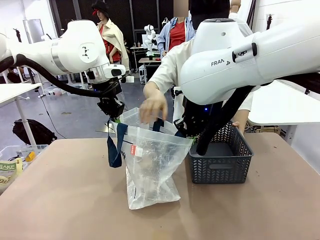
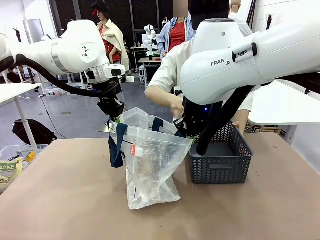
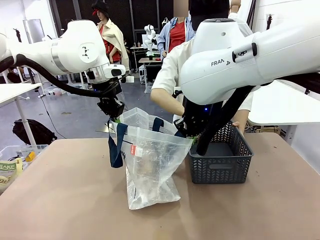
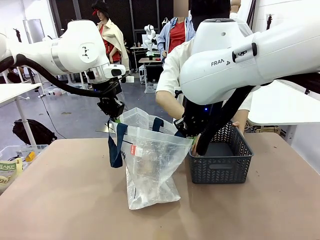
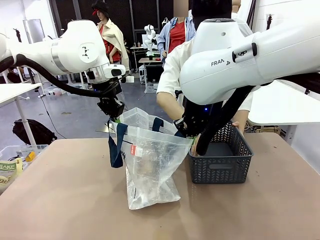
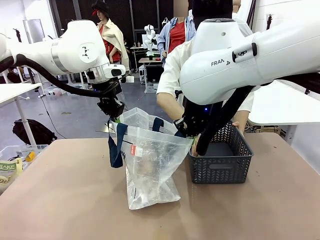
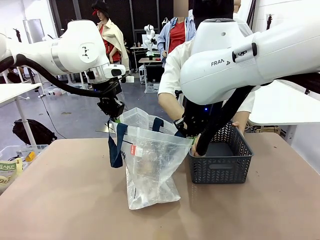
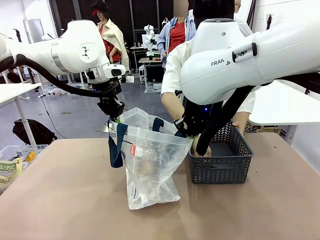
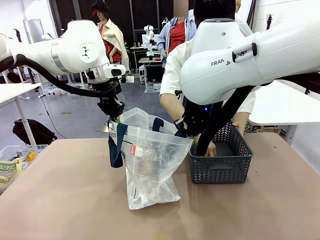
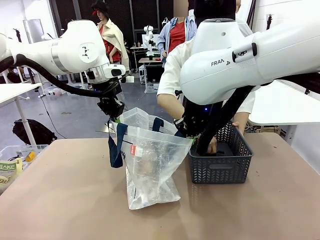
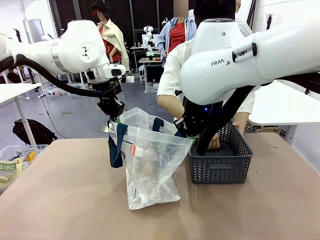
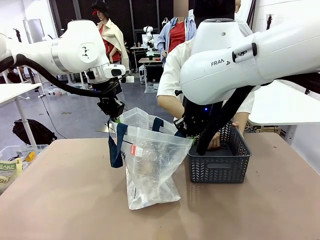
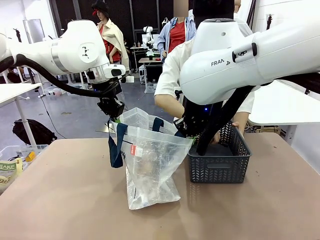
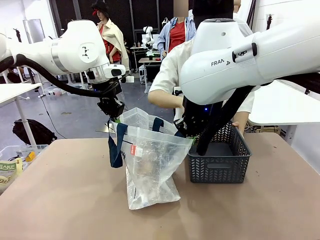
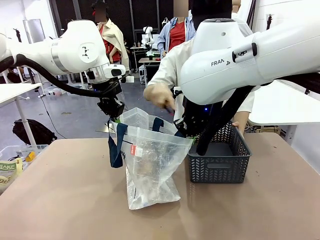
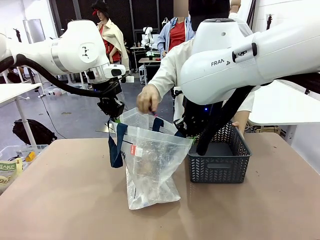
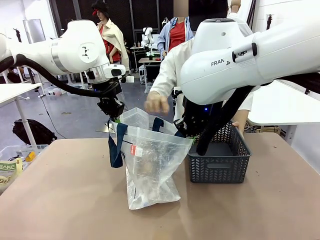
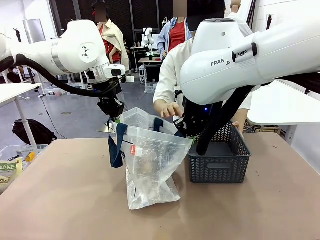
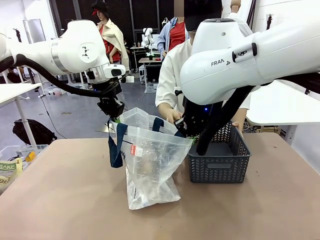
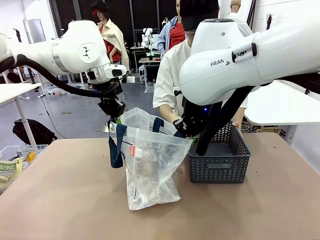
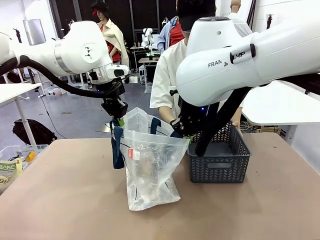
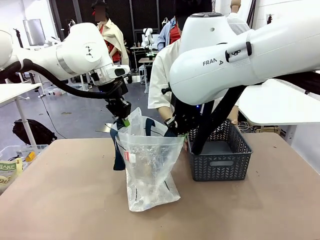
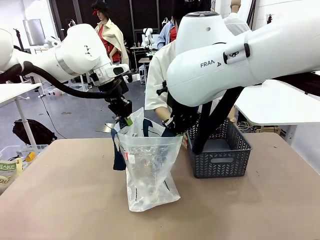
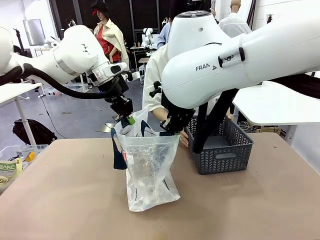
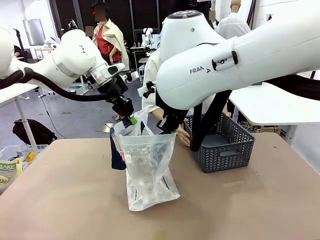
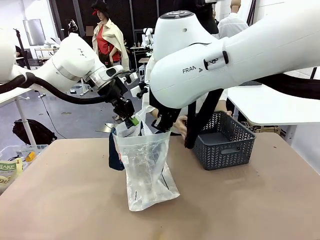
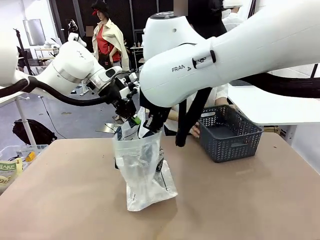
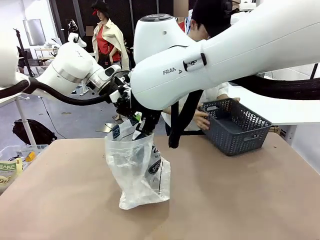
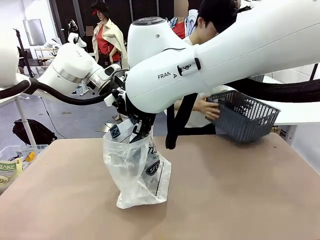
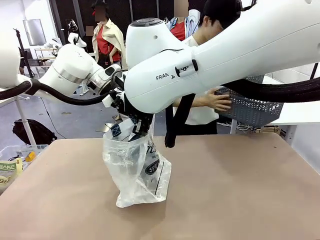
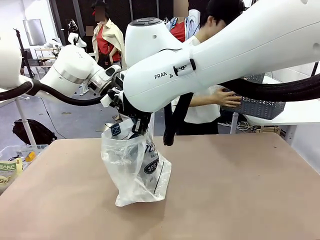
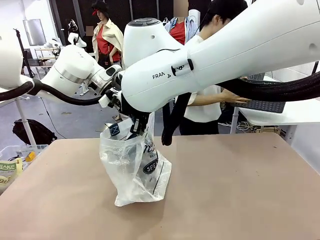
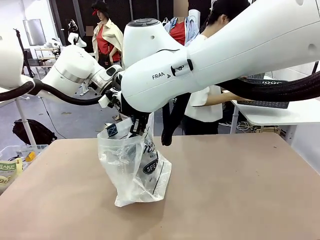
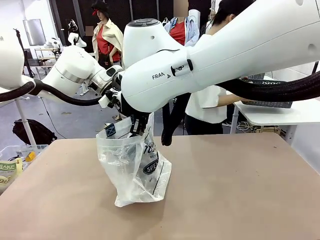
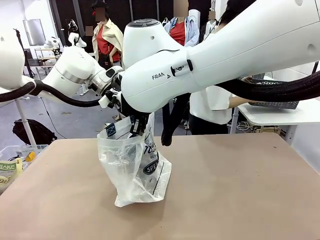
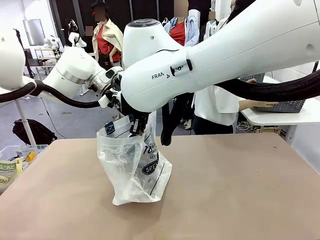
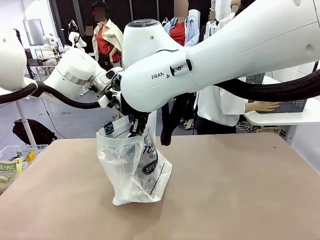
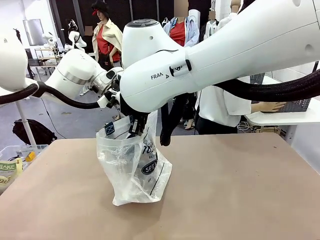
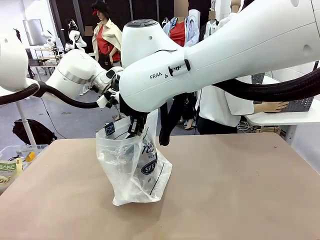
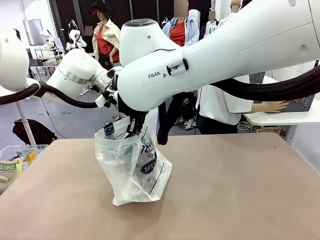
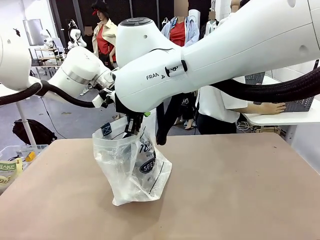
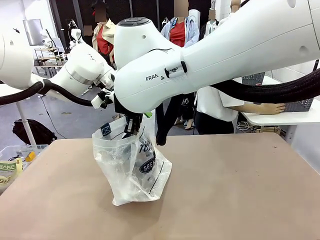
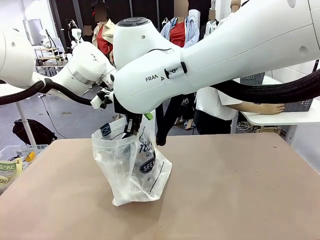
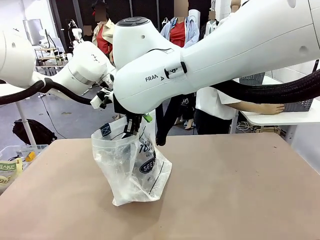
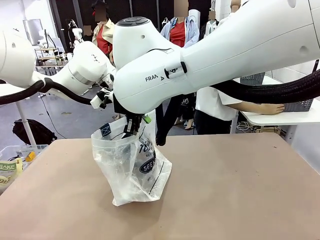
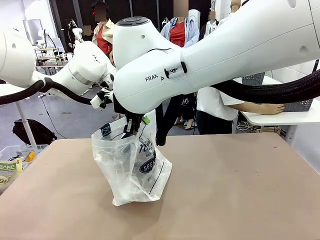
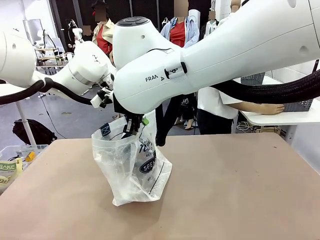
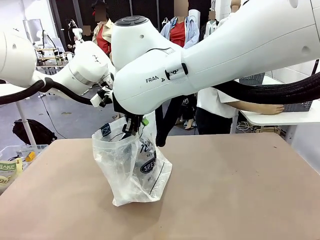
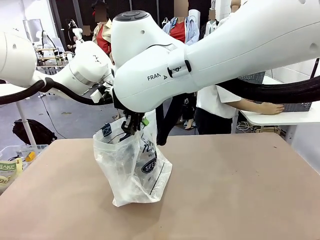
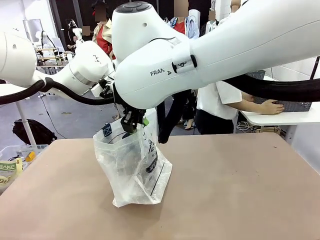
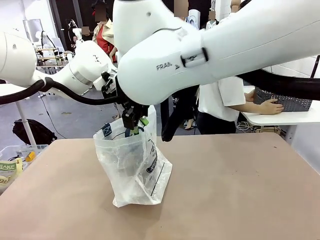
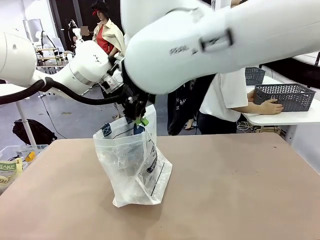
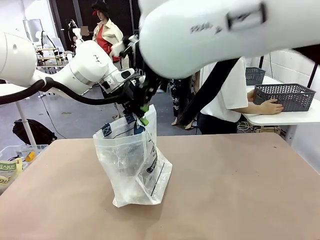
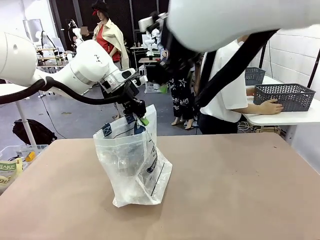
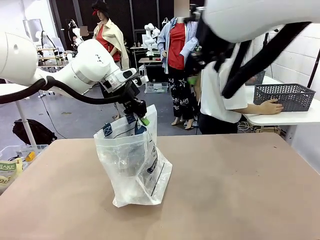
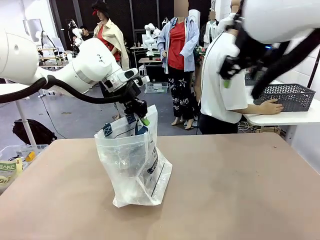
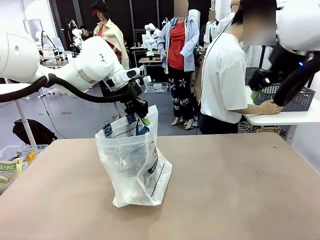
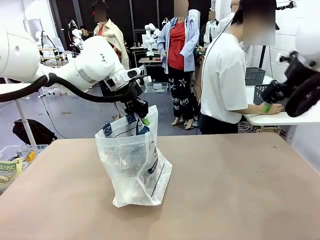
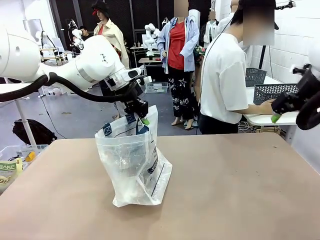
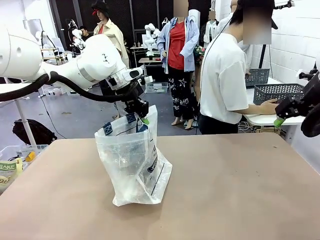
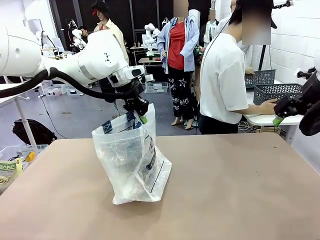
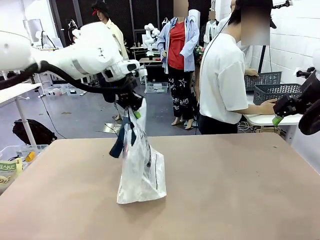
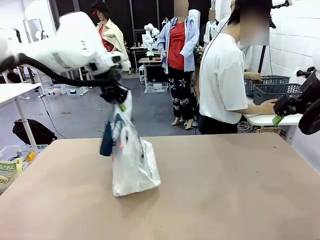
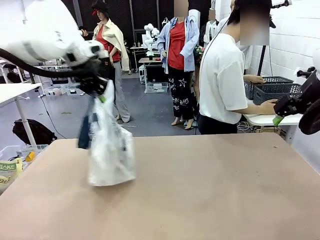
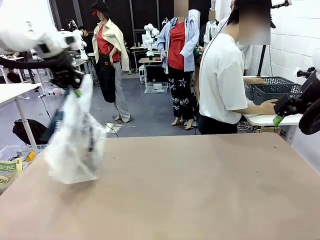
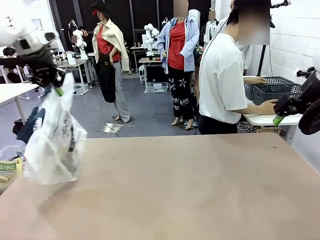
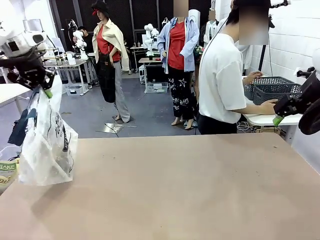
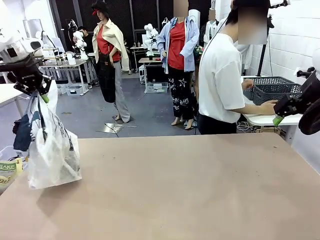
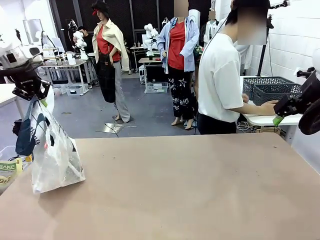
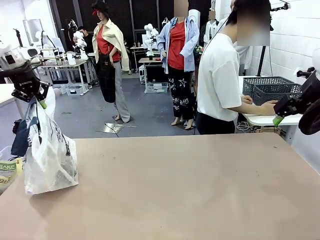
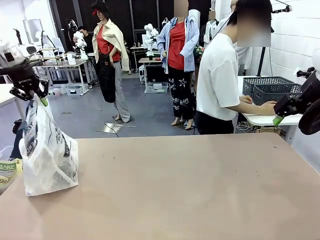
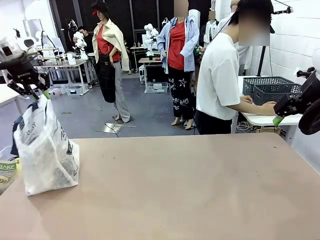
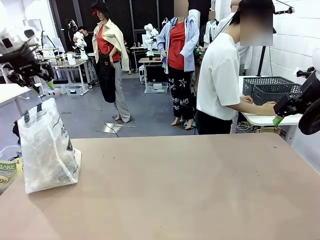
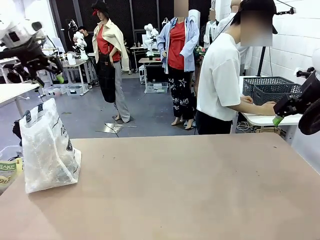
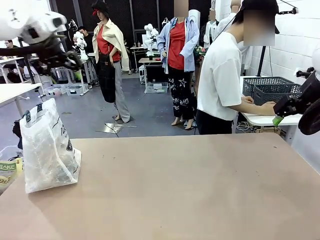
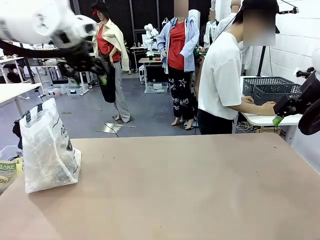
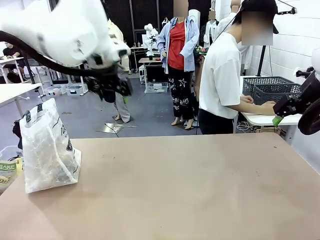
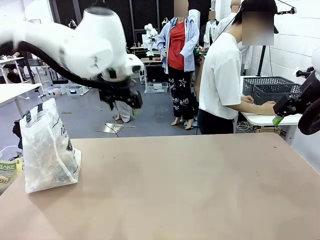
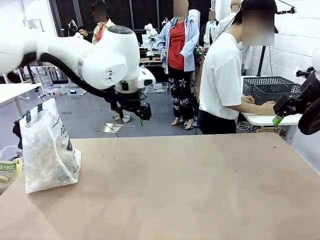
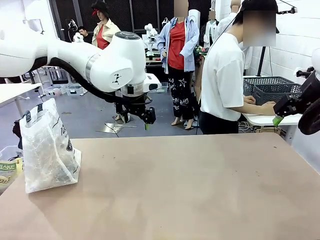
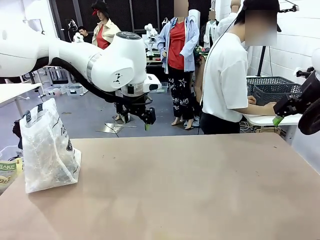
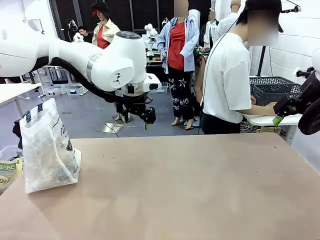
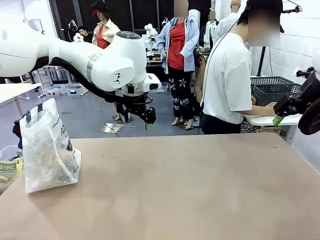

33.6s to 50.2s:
Task: Transfer purchased items from the store into the shopping bag.
Robot: Move the Reusable shopping bag to the right side of the table.
Person: Move the basket on the left to the middle of the person's table.
